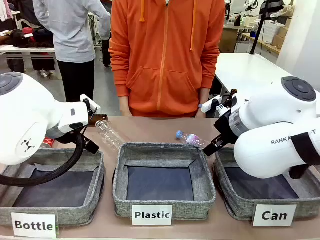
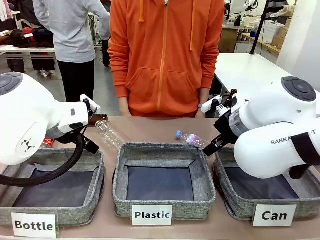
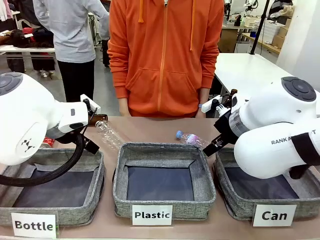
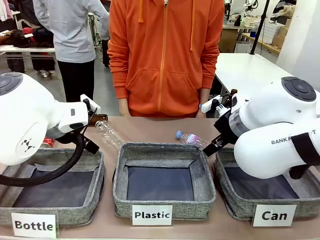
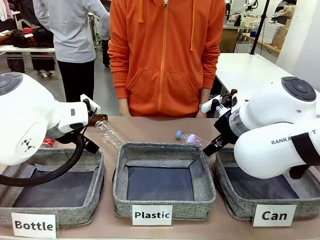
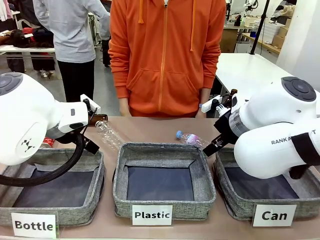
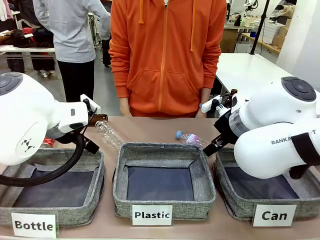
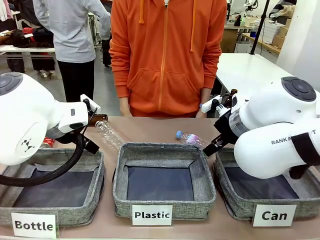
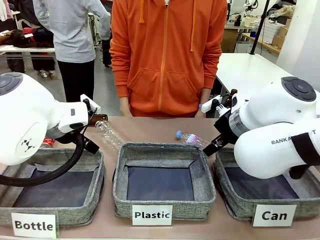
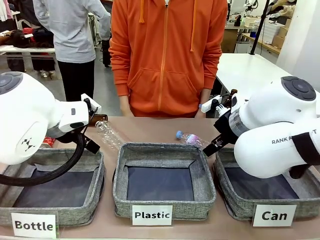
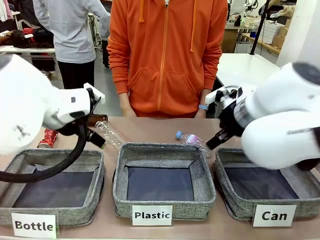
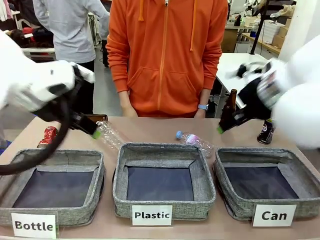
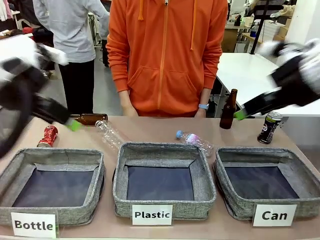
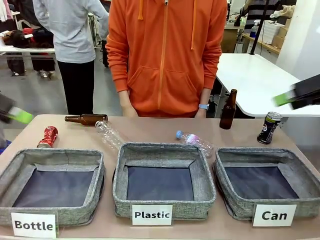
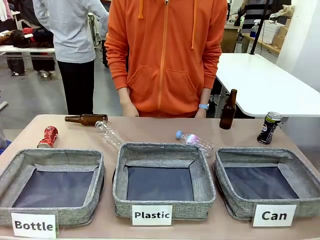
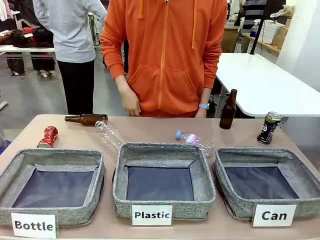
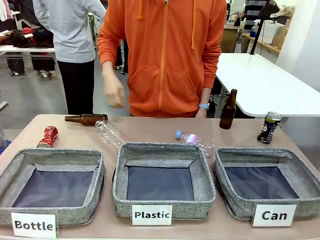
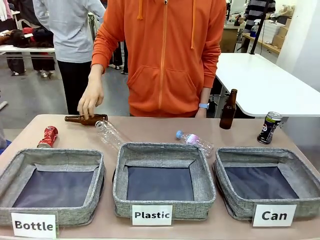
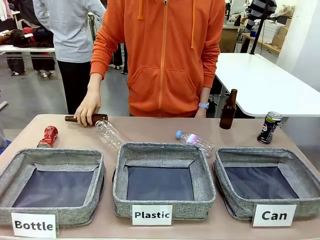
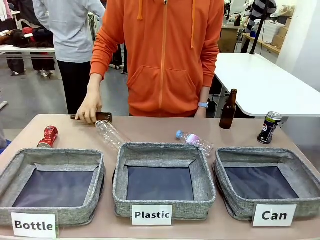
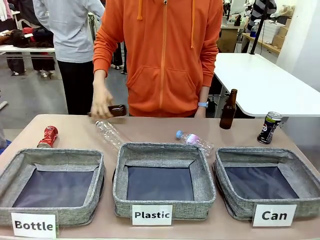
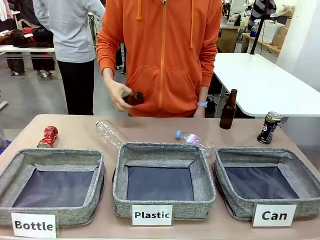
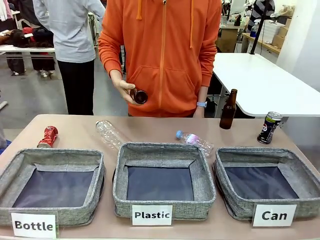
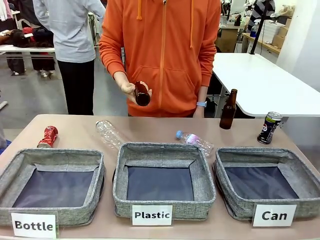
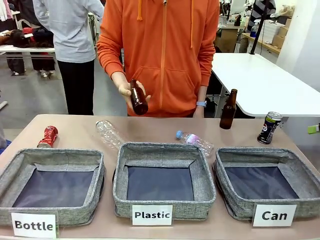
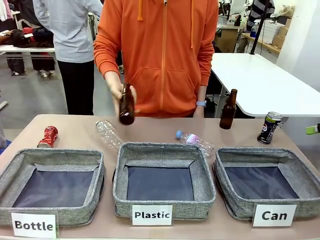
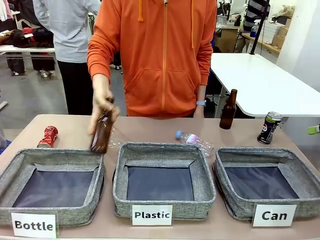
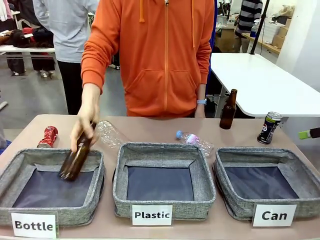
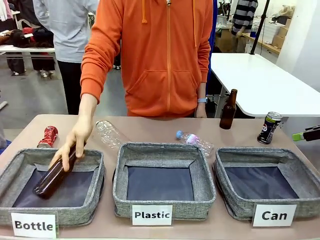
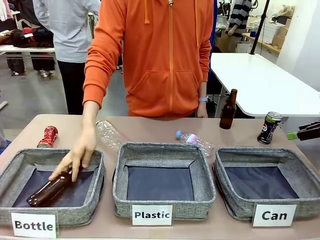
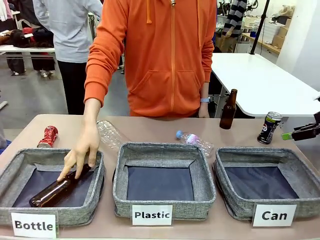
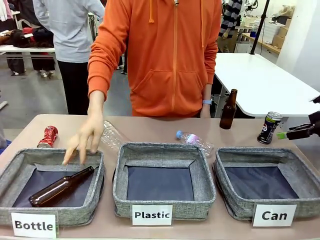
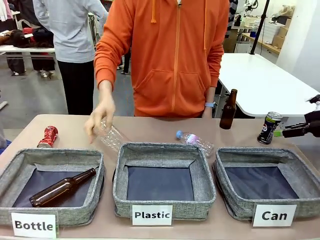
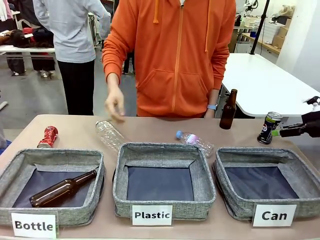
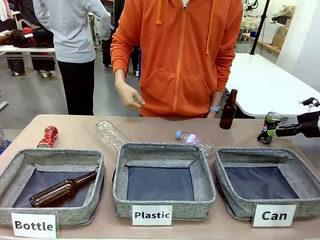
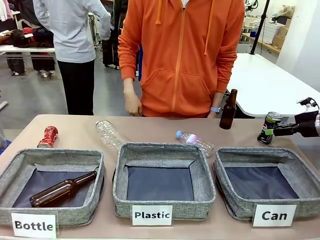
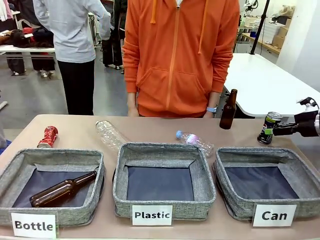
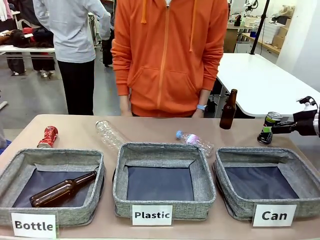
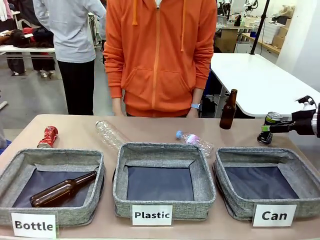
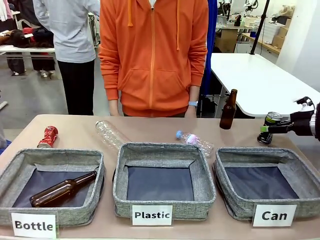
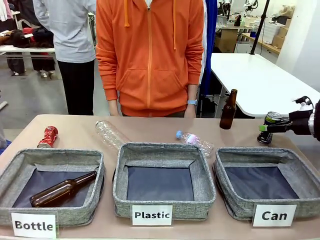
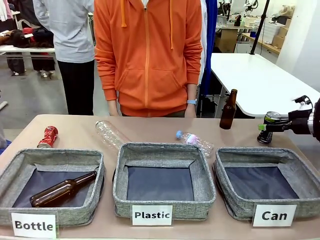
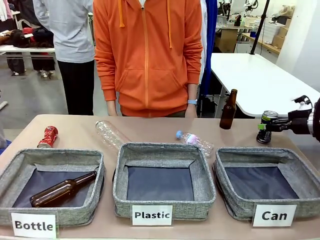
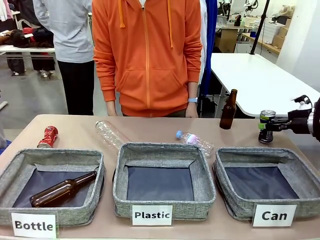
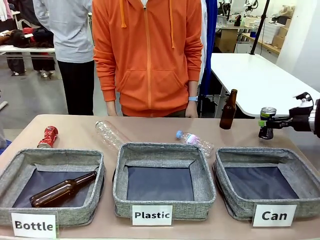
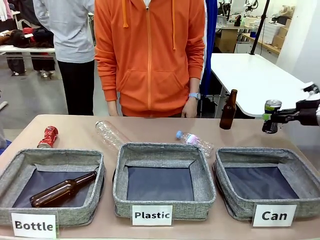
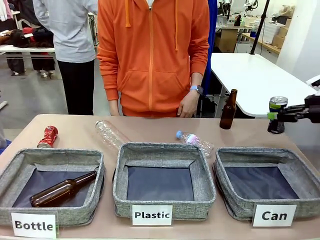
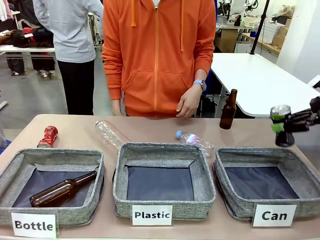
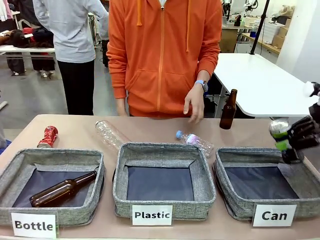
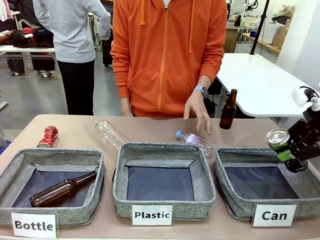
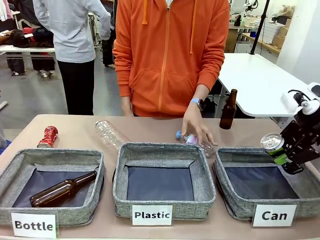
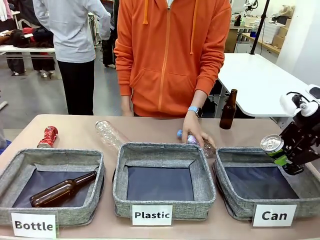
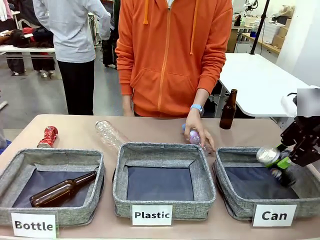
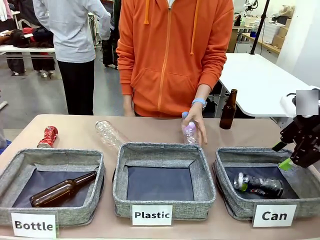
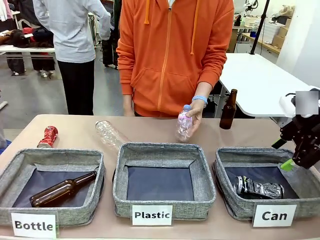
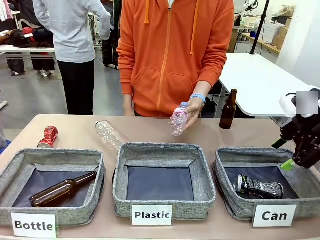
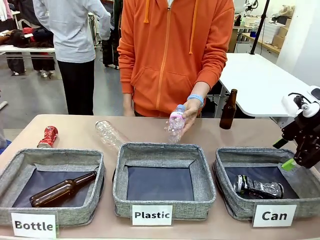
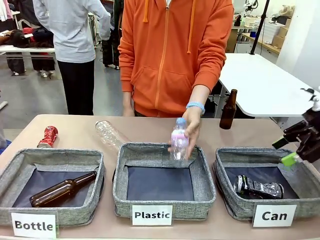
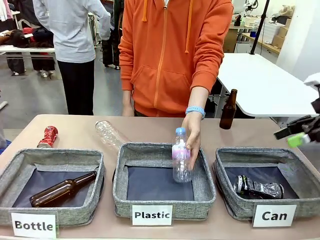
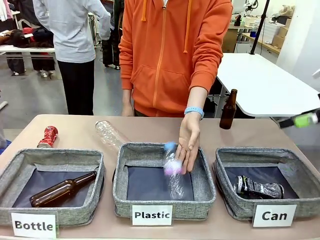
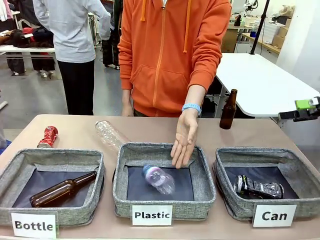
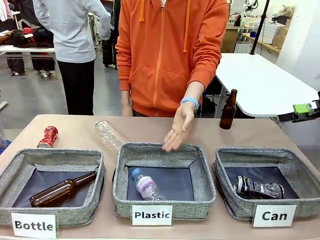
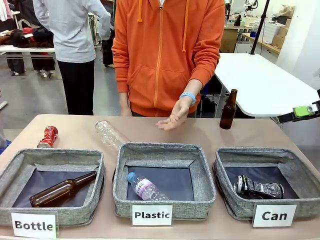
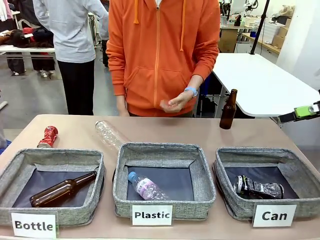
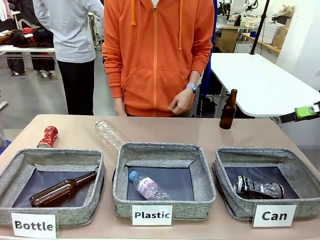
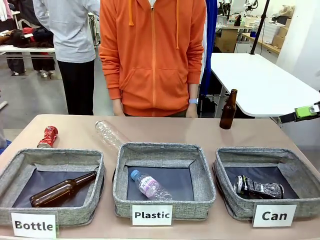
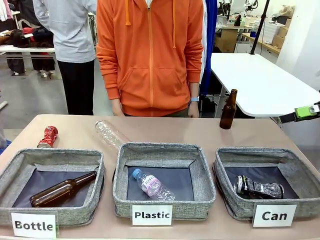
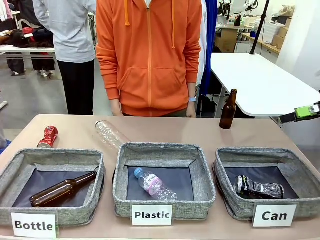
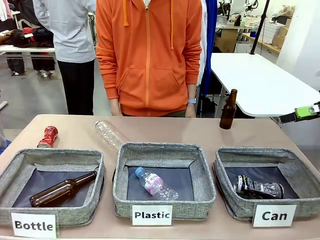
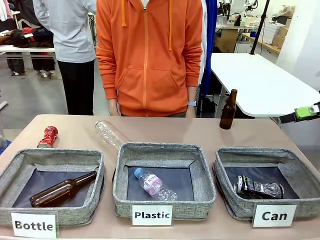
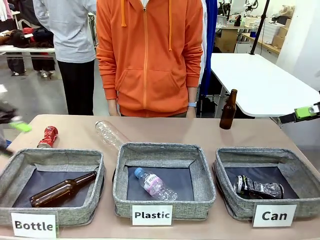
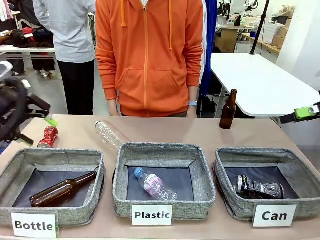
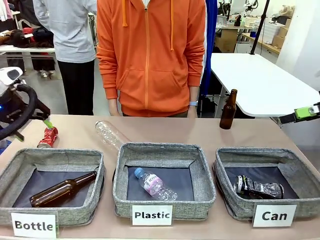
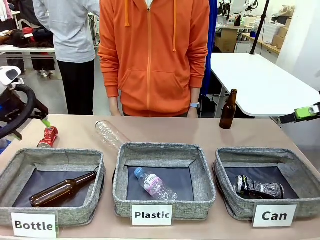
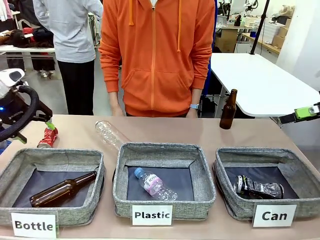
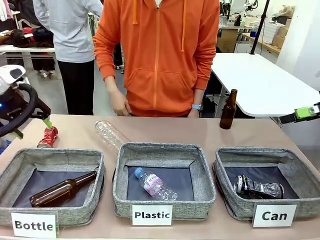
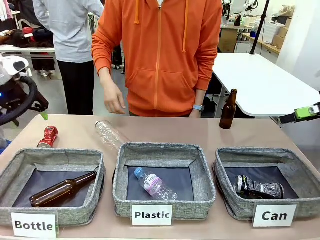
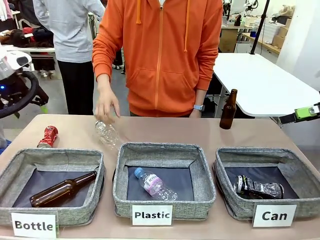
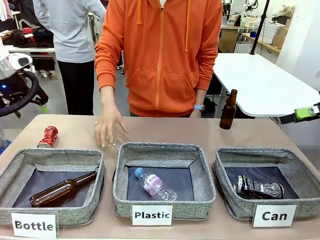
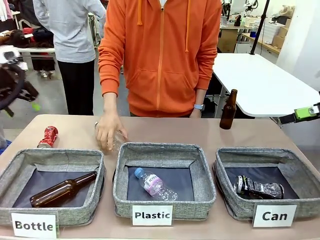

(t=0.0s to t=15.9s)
Task: Sort the can waste into the basket.
Robot: Pick up the can waste from the table and place it in the right Fabric basket.
